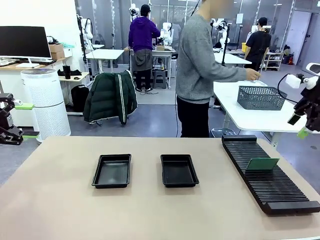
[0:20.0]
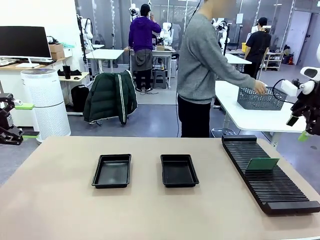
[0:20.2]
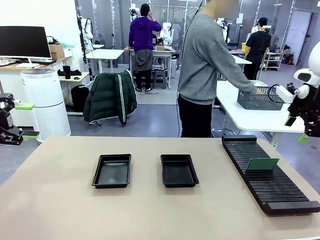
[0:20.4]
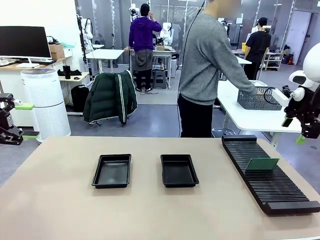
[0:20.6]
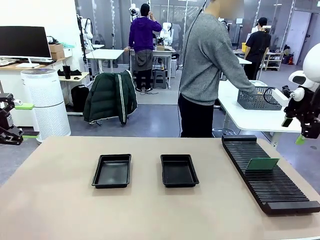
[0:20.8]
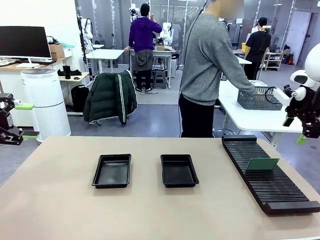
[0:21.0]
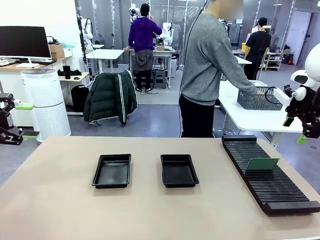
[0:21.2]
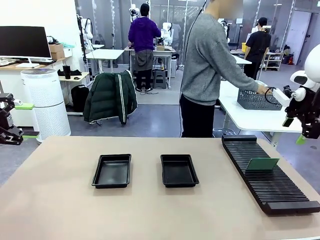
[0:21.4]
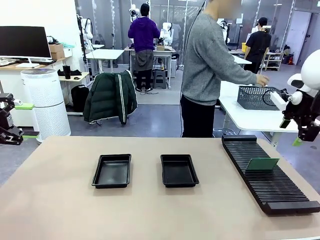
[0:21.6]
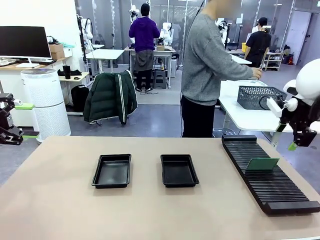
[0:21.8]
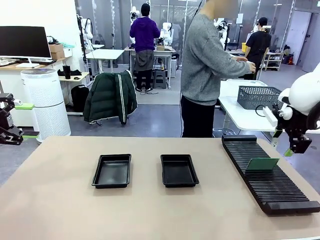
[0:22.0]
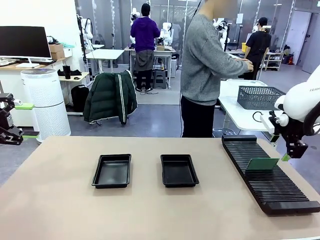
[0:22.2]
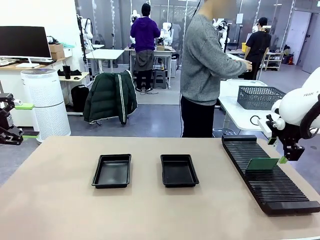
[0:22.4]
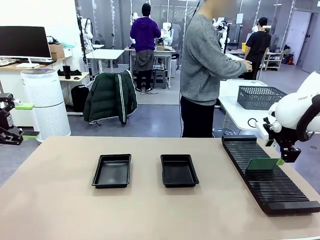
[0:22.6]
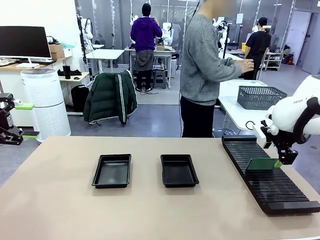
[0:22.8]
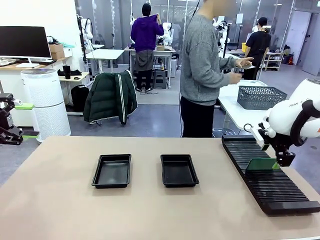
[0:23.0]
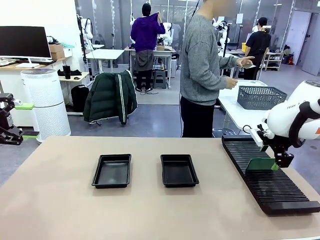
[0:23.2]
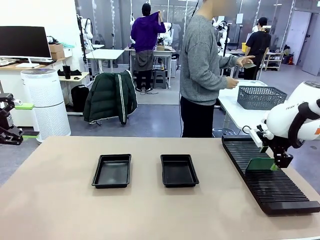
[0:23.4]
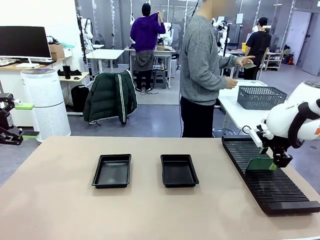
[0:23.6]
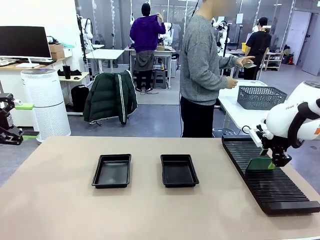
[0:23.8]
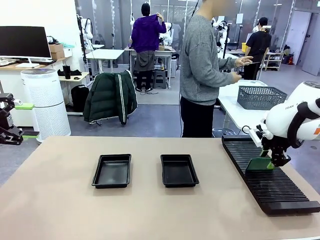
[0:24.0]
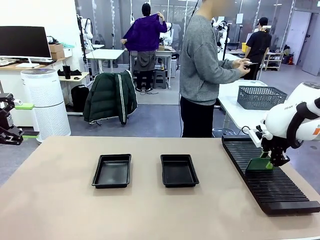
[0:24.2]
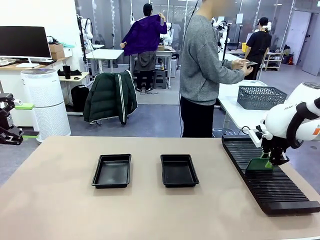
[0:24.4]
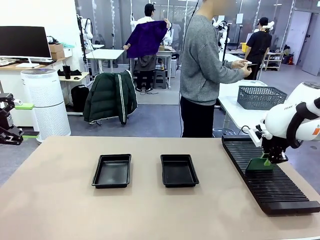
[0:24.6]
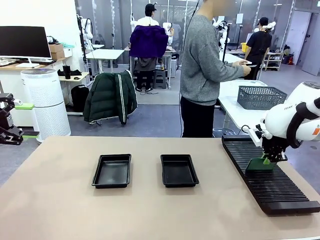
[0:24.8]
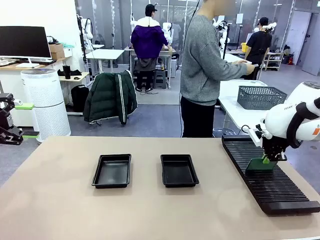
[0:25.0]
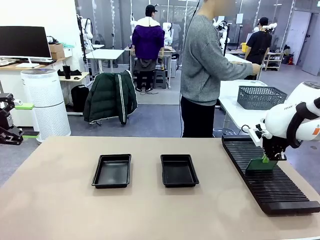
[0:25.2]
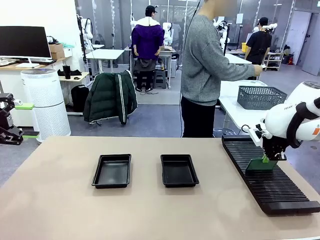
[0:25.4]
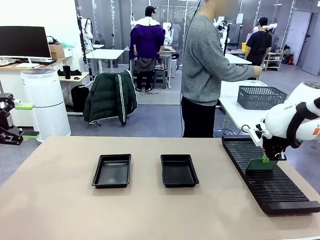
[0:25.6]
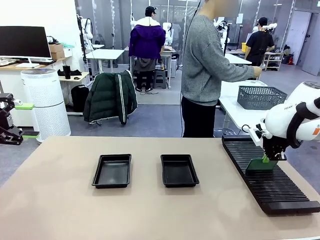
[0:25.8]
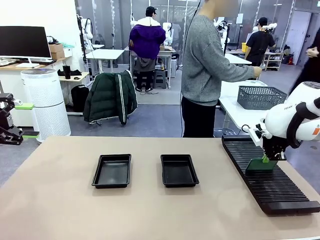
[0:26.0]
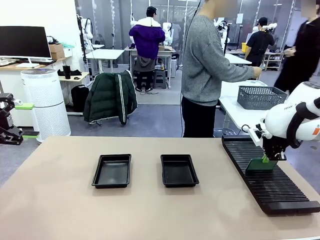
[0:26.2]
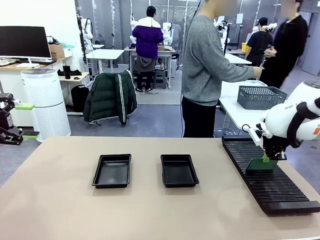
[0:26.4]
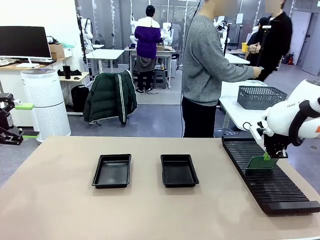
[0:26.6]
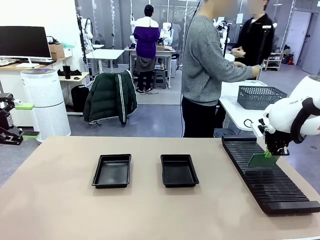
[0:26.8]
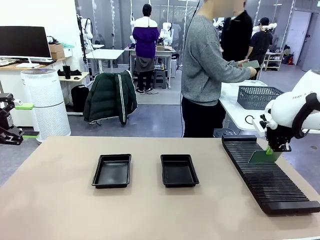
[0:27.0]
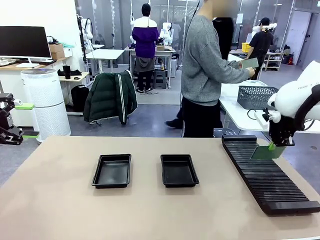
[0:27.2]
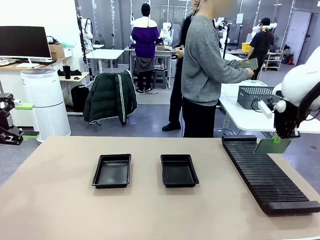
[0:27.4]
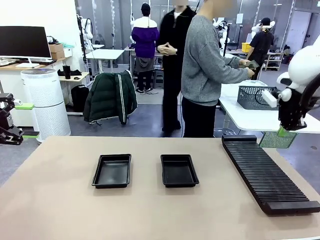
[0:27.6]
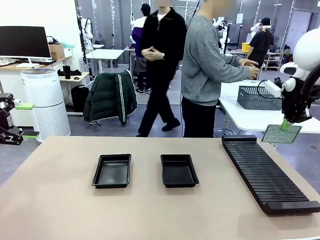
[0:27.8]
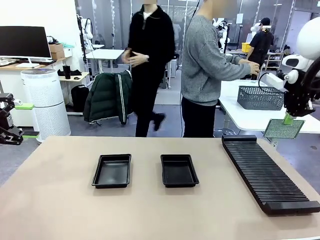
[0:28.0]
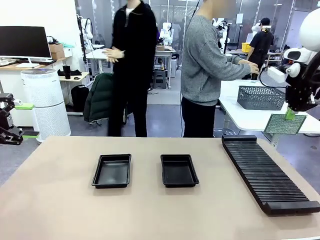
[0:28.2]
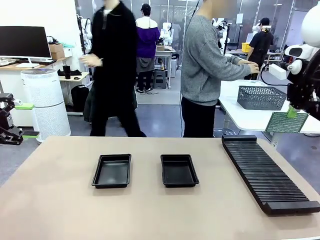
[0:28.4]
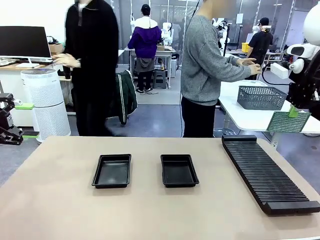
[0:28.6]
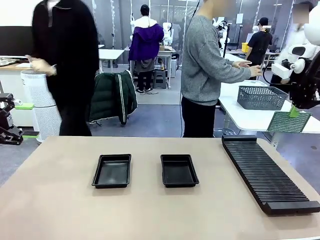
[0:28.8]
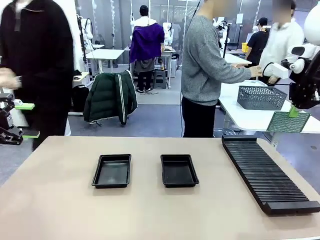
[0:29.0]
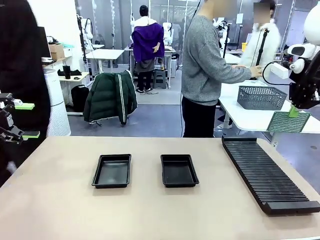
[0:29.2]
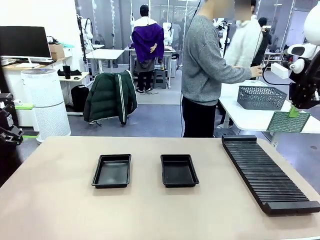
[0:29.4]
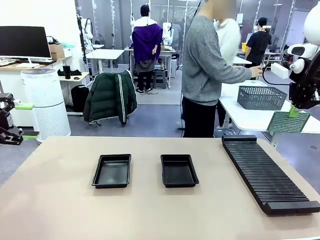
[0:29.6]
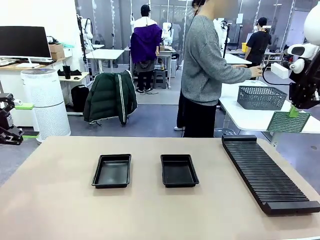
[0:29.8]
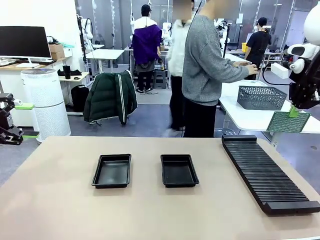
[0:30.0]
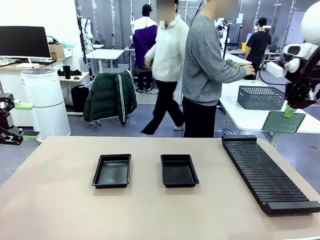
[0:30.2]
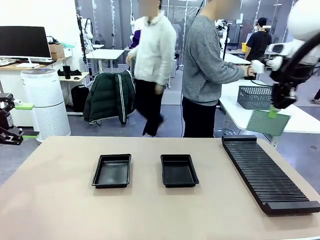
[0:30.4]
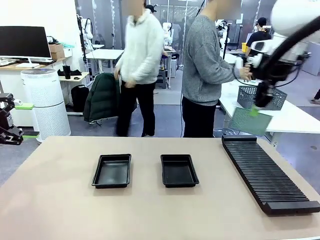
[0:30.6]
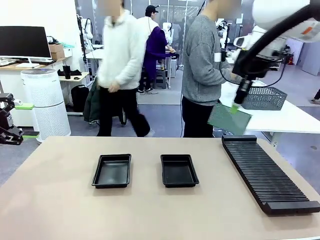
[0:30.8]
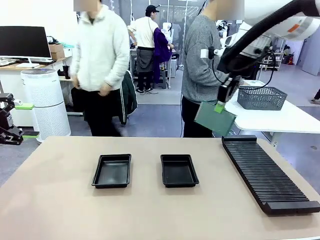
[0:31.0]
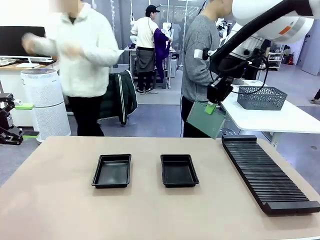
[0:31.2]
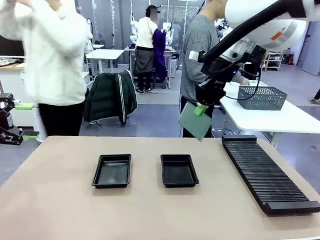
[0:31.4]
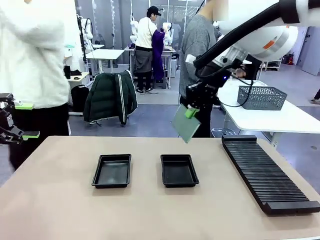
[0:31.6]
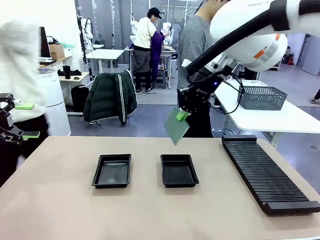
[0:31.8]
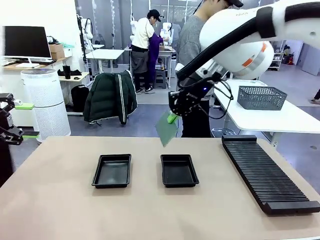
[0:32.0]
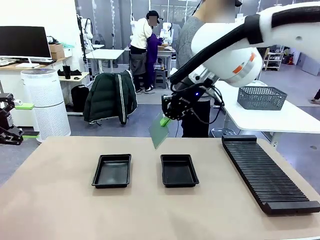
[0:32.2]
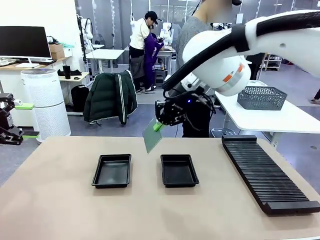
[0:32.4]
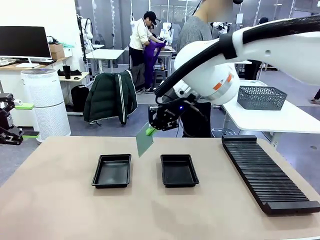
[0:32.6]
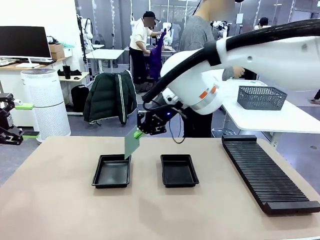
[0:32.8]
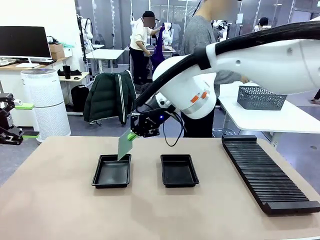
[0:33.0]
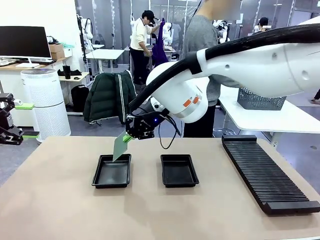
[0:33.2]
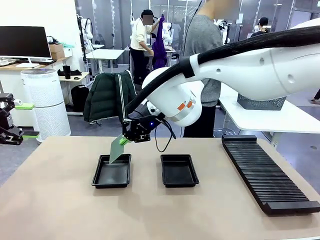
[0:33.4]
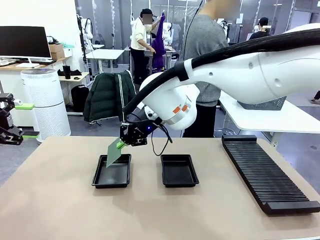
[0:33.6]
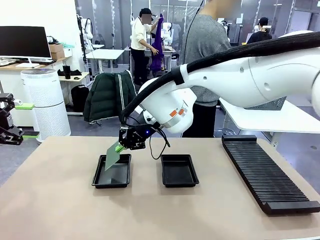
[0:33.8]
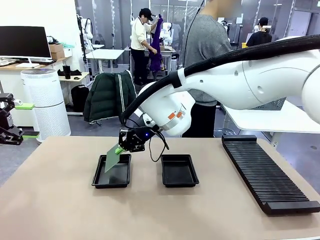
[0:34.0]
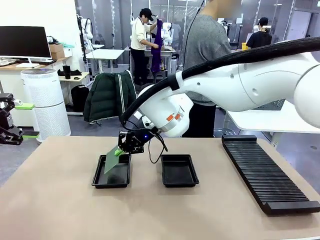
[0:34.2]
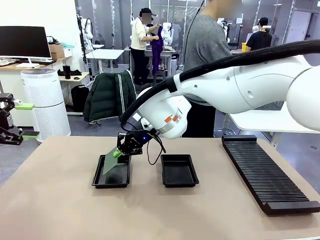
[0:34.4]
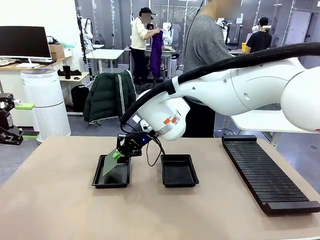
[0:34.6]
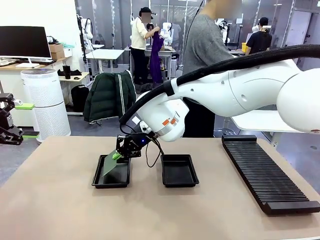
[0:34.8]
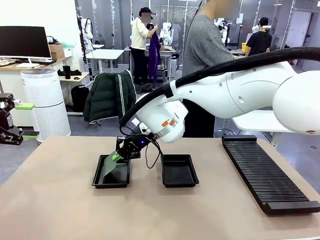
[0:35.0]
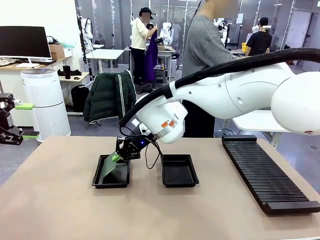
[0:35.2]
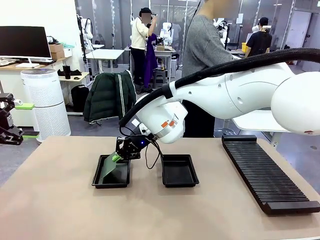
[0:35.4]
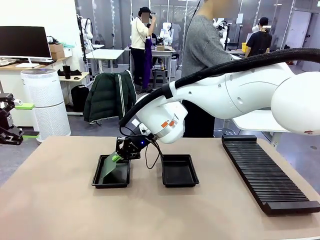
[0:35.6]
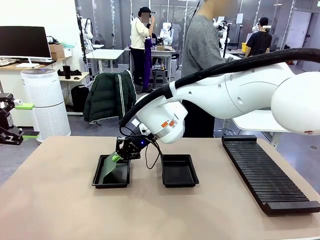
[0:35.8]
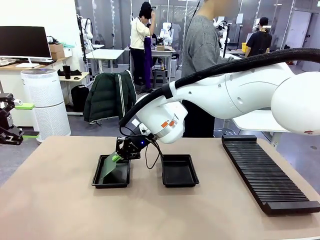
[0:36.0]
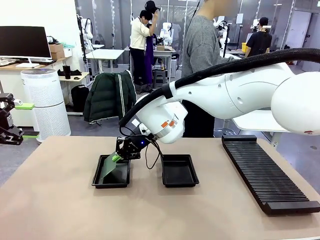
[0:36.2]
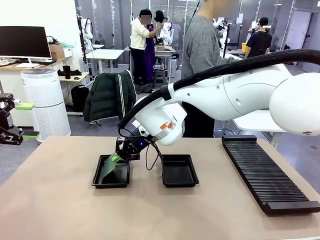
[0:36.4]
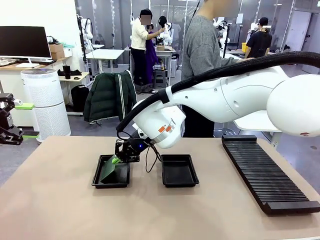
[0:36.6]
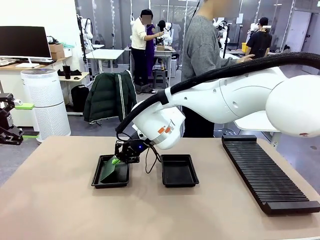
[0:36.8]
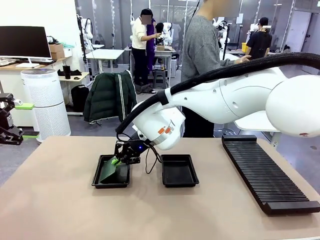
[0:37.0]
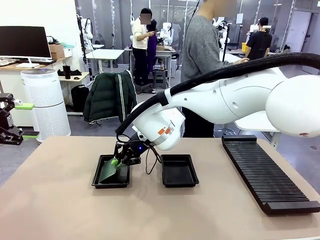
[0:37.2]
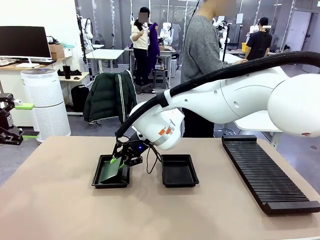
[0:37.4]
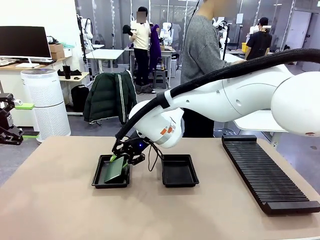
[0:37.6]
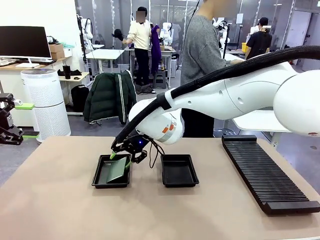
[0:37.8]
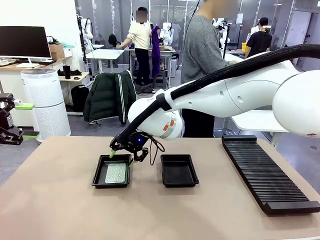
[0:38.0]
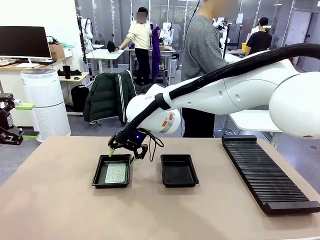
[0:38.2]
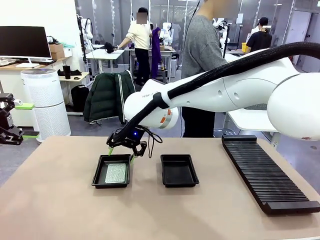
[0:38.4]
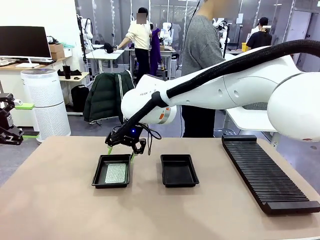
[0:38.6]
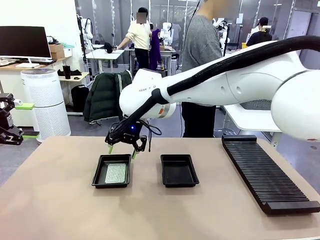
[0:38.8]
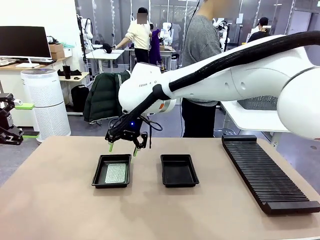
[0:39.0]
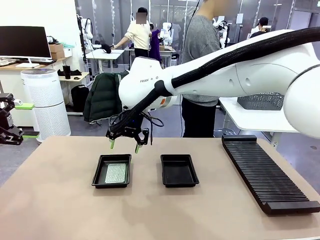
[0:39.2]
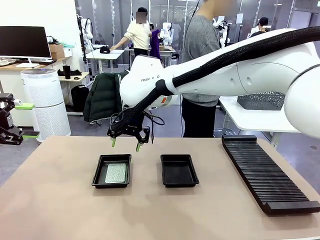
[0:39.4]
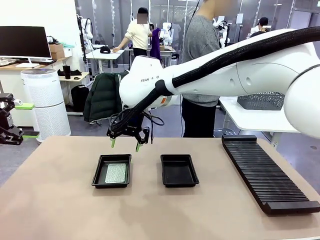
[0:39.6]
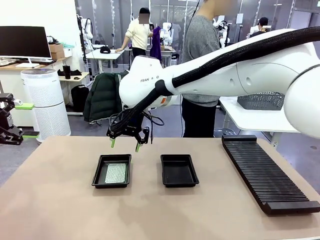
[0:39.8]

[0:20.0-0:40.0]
Task: Inspect and transfer BCBs to ESD trays.
Robot: Pick up the Blank PCB from the PCB Rack and place it in the left ESD tray.
